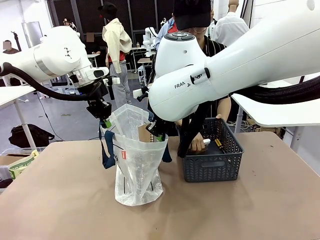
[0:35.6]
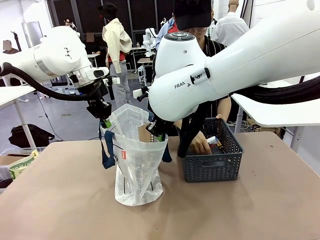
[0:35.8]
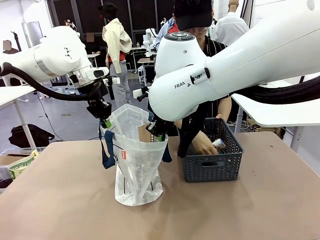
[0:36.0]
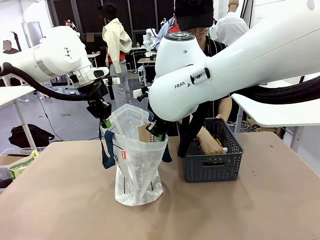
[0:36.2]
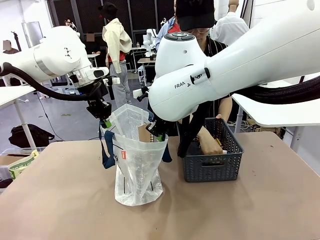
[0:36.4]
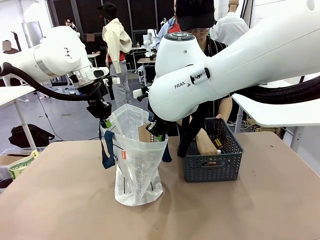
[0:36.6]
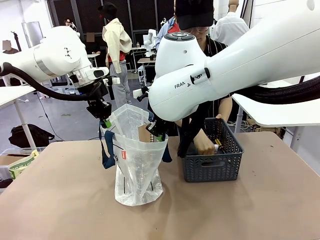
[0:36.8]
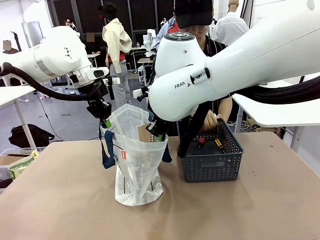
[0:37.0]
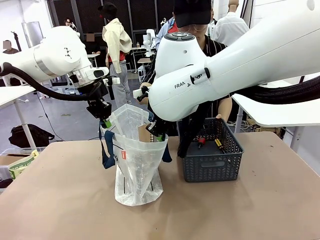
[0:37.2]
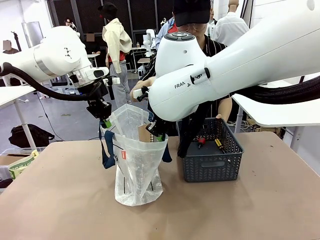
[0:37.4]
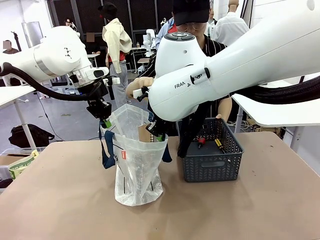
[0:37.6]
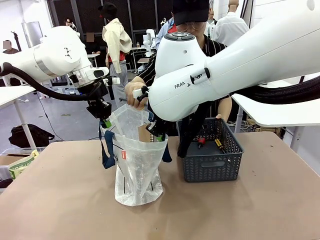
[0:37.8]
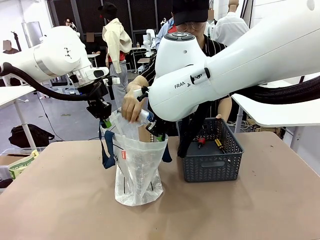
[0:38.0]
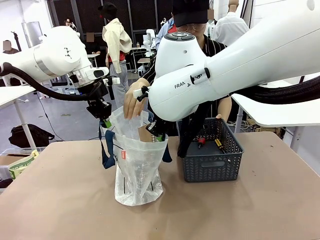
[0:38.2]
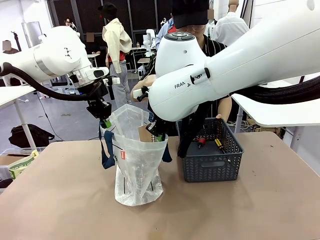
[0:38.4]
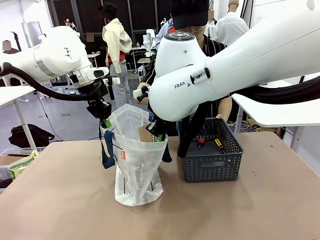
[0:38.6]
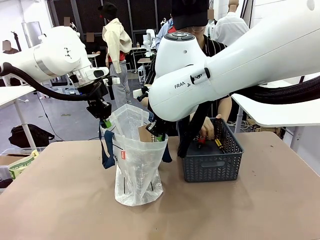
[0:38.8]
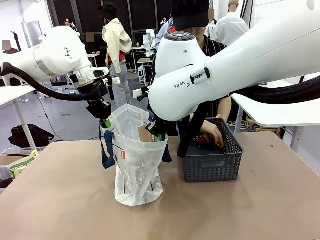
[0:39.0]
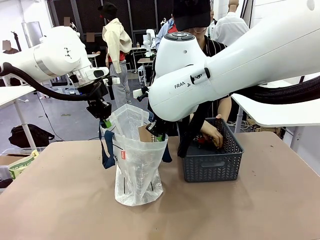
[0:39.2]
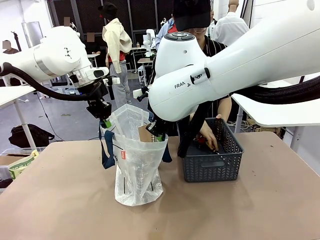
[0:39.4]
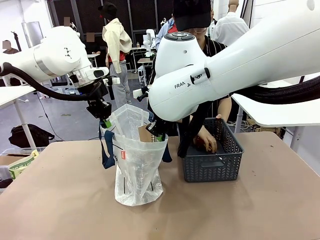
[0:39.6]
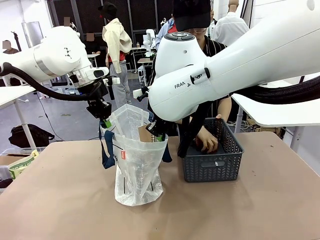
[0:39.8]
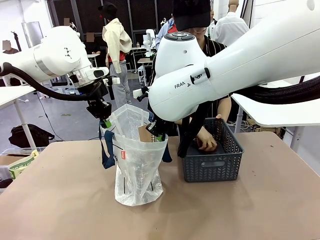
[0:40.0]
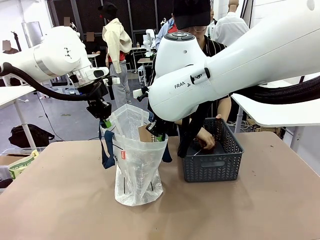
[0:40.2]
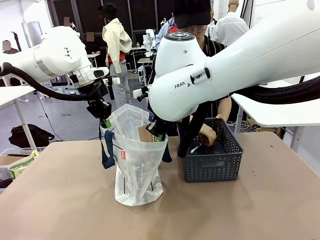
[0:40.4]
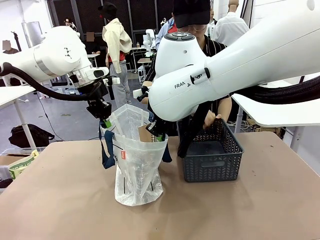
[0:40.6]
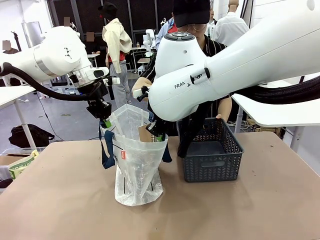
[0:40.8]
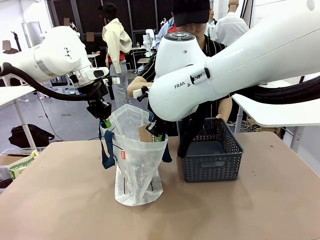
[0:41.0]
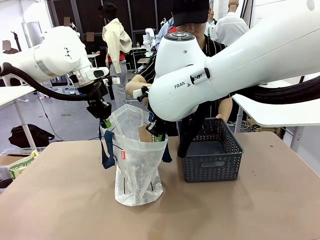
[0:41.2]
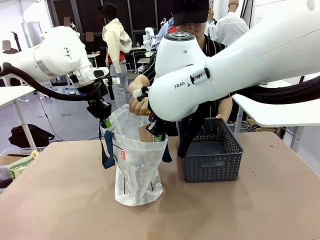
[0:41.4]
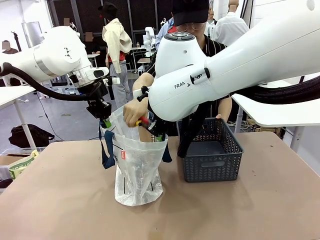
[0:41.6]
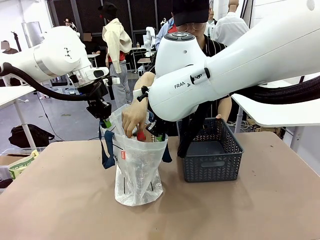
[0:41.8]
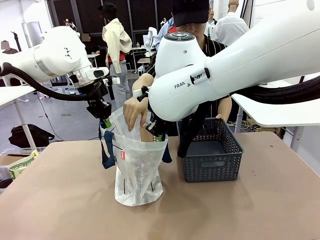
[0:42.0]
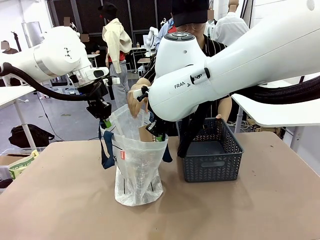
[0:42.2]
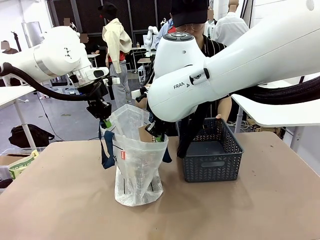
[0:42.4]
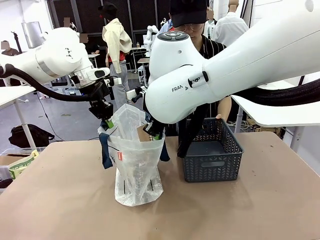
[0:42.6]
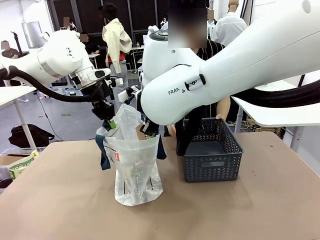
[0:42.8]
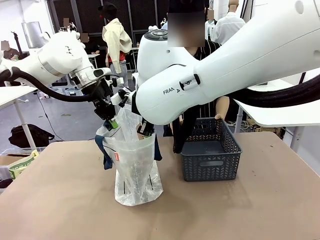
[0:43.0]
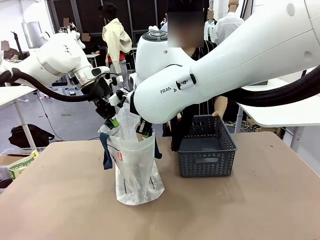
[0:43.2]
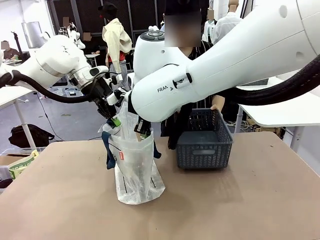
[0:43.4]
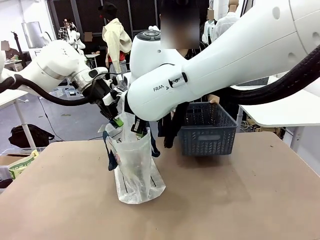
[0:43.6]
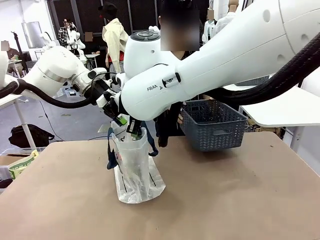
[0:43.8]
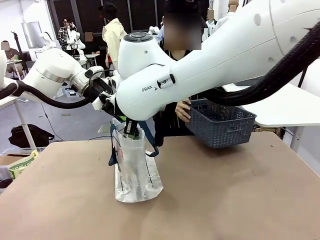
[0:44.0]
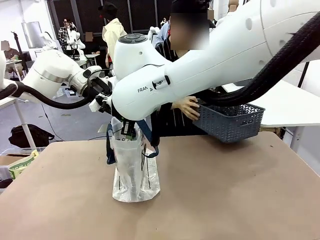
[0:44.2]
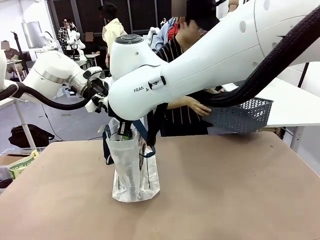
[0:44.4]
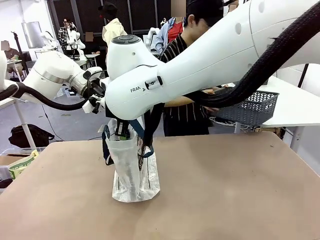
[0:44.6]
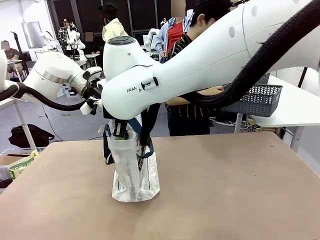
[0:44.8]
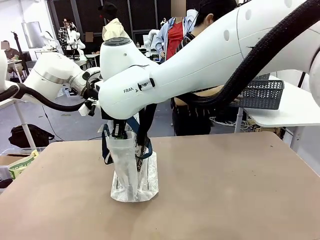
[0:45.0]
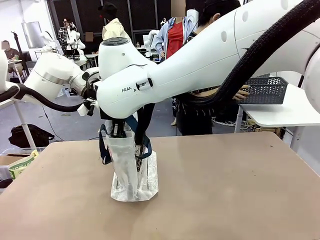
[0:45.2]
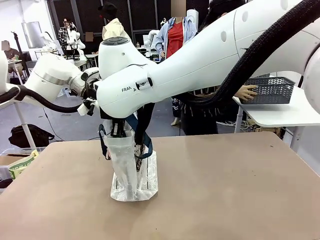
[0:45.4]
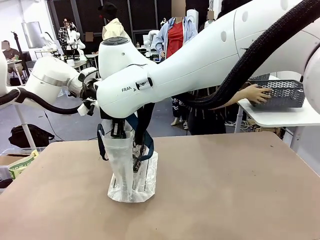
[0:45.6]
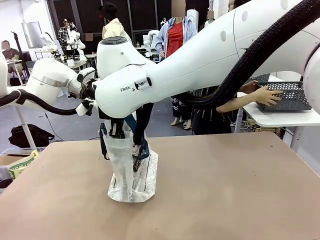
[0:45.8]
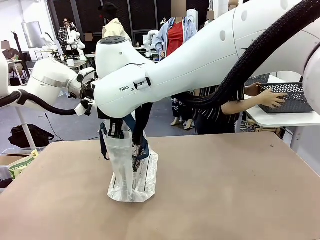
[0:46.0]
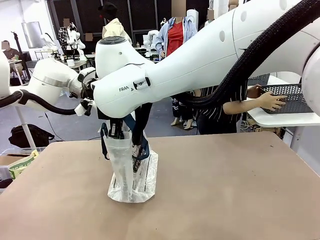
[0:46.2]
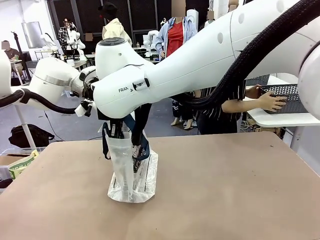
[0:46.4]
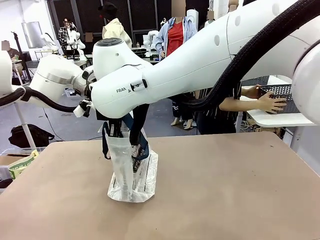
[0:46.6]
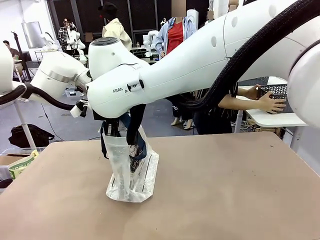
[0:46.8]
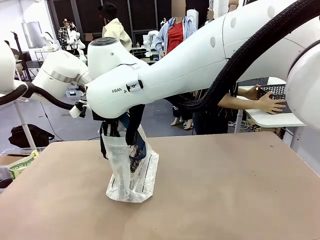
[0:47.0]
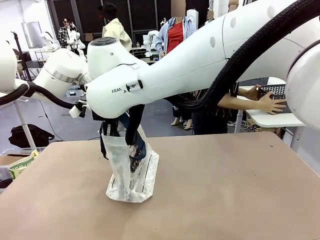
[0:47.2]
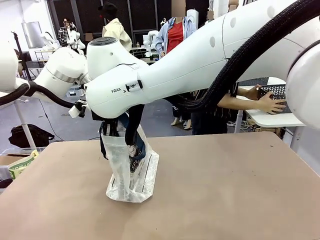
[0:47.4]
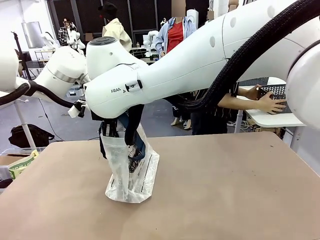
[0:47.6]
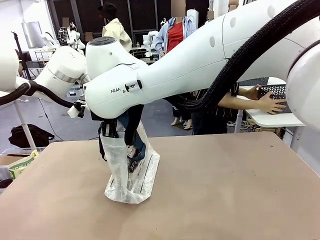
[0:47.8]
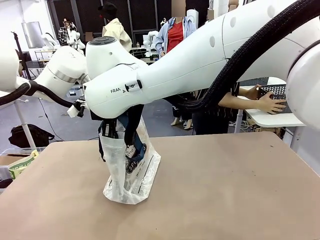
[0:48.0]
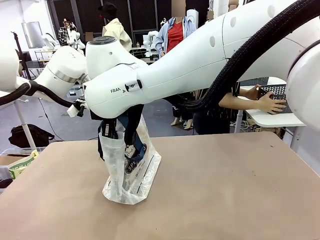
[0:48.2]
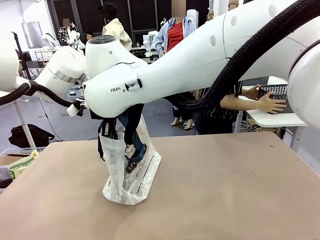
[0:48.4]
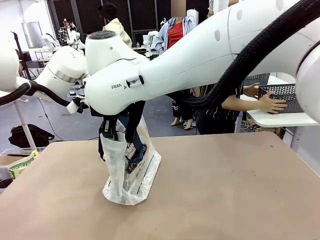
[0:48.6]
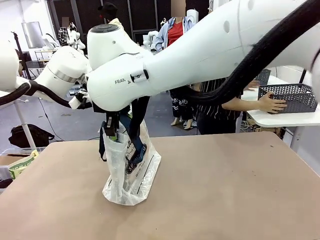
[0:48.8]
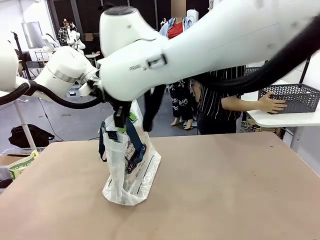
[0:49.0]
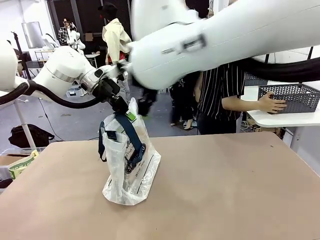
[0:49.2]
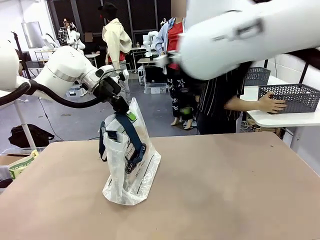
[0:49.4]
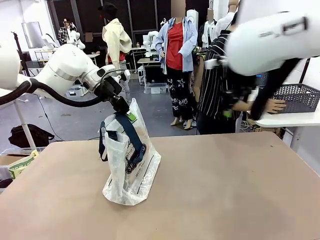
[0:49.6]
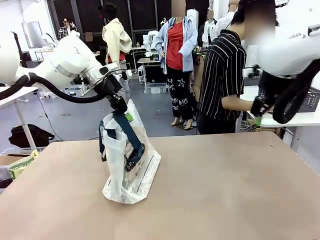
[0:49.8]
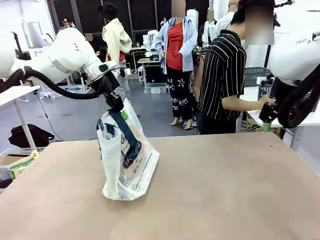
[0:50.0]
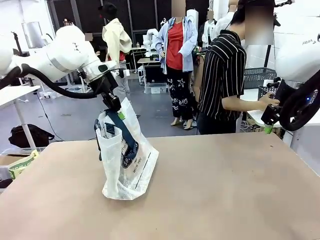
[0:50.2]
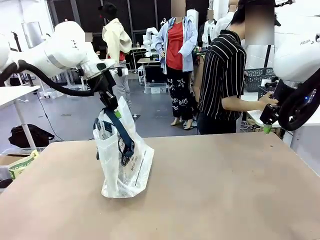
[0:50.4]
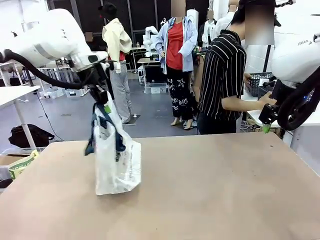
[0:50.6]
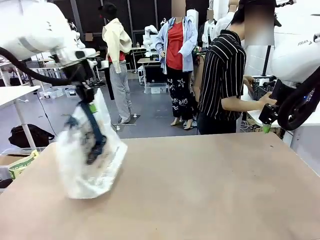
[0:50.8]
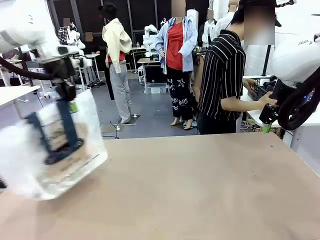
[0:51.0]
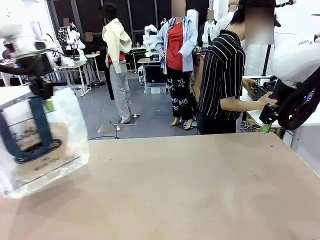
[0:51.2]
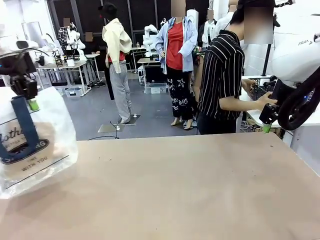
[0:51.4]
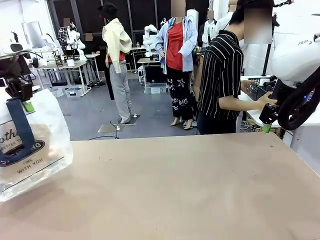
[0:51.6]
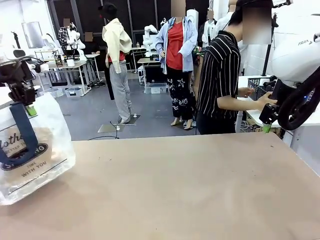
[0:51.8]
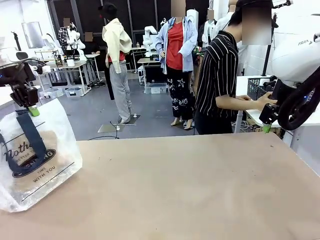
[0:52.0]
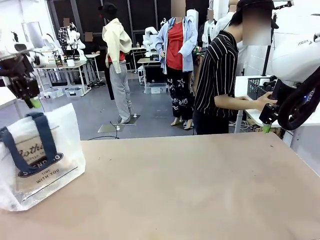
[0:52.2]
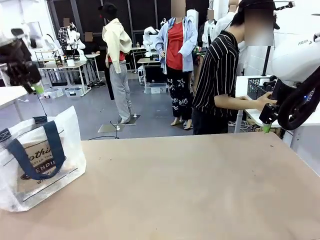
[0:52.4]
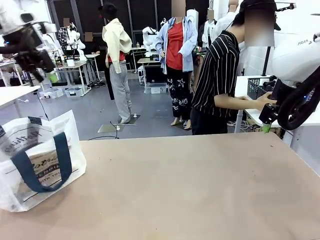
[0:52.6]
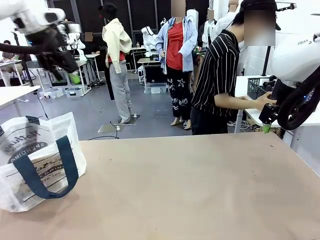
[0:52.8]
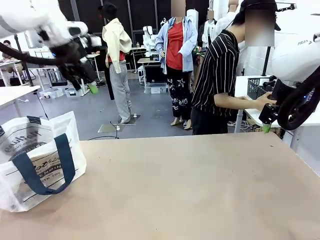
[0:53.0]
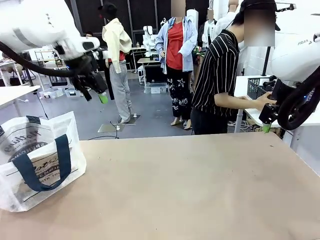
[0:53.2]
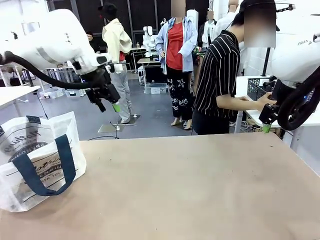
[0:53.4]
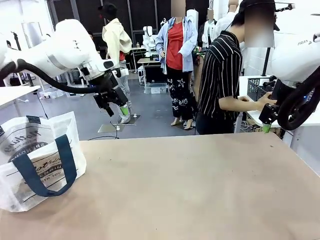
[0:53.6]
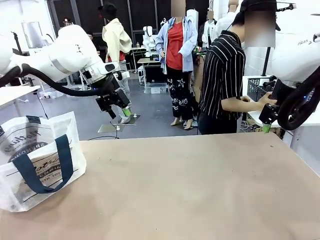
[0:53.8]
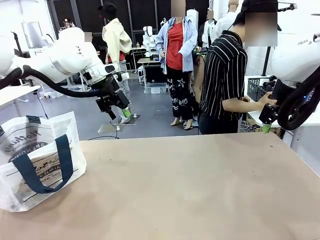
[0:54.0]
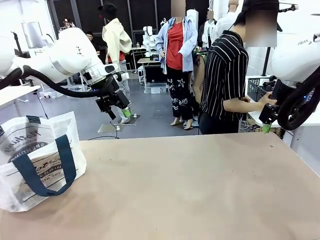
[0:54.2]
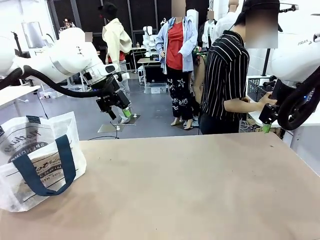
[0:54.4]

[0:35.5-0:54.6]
Task: Transfer purchased items from the store into the shopping bag.
Robot: Move the Reusable shopping bag to the right side of the table.
Person: Move the basket on the left to the middle of the person's table.
